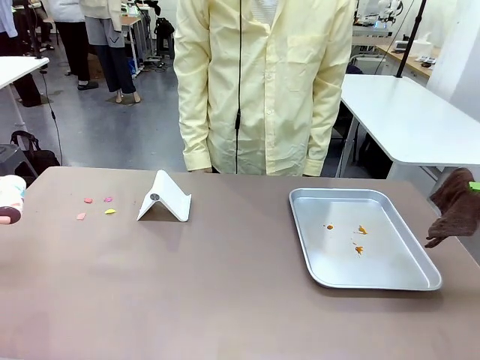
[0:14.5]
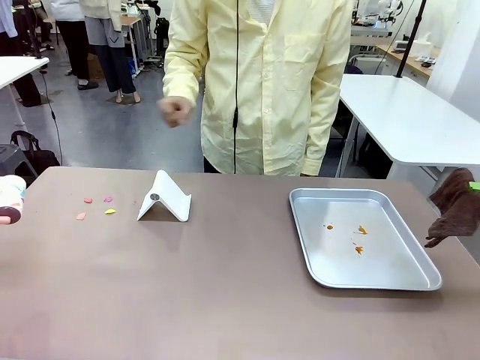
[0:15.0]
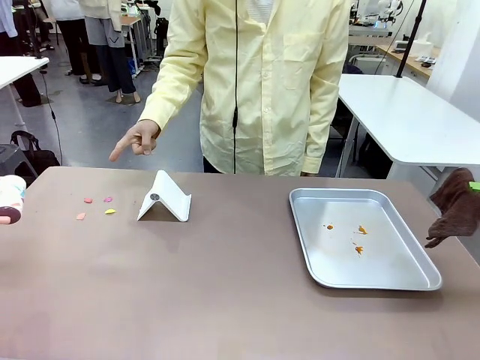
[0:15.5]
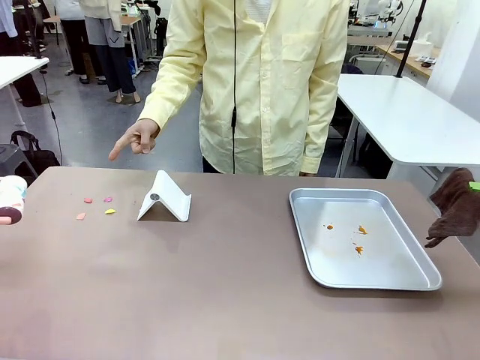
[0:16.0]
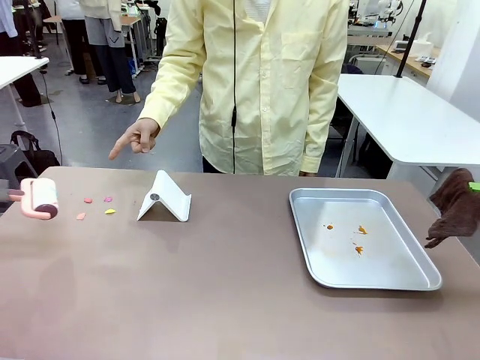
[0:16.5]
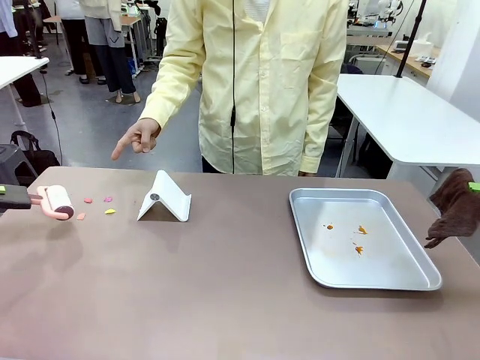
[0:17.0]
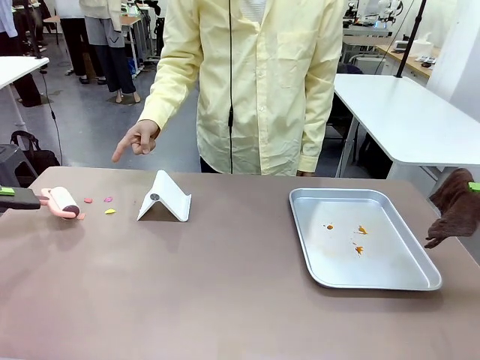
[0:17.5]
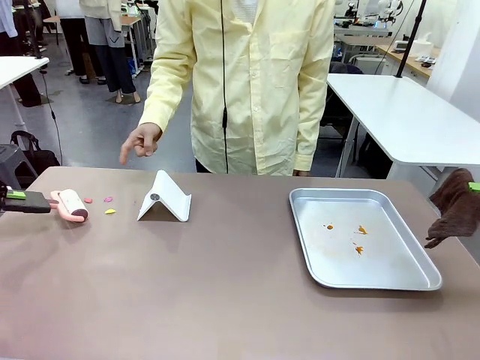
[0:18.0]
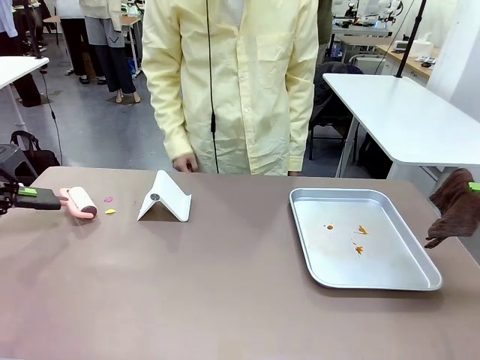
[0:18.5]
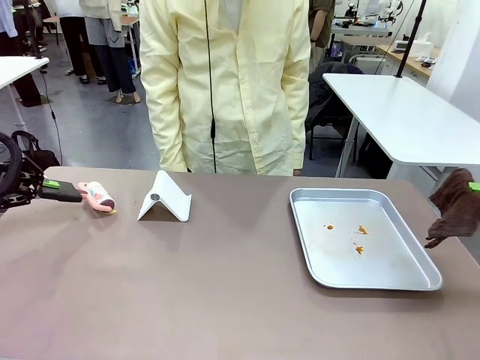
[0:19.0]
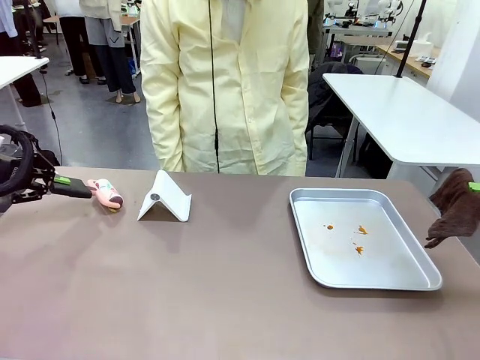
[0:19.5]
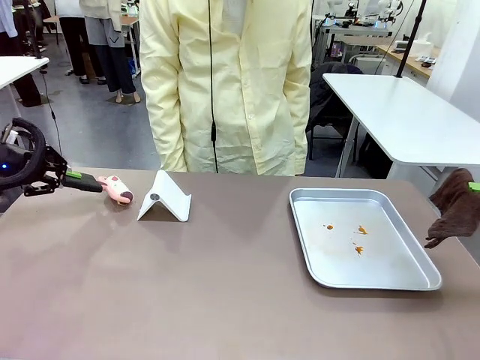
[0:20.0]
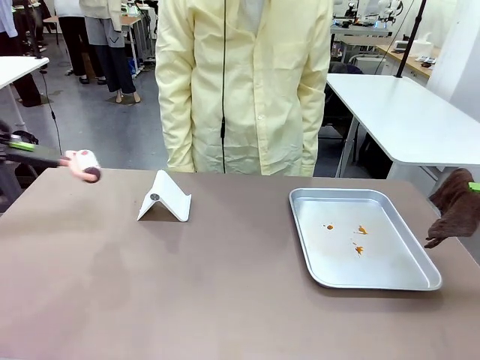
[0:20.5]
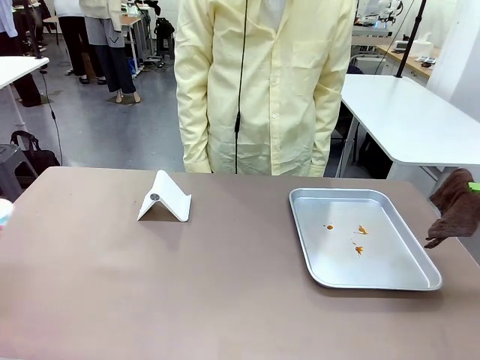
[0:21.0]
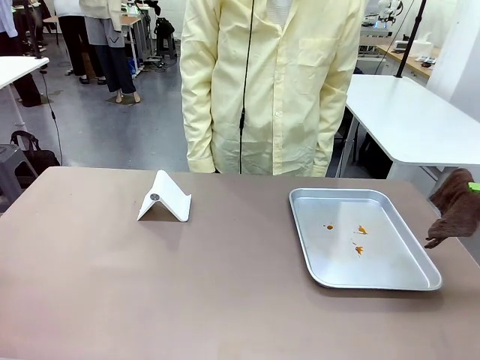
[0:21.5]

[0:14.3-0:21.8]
Task: Clean the surface of the table.
Robot: If a person points to the right, clean the right side of the table with your right hand, and if they point to the left, clean the left side with your left hand.

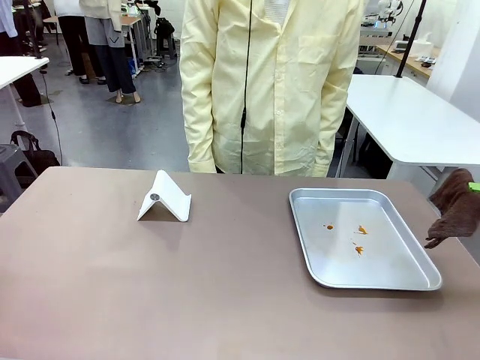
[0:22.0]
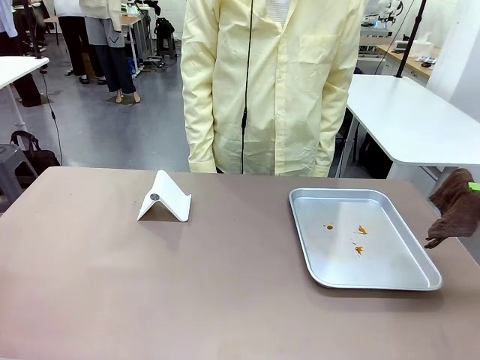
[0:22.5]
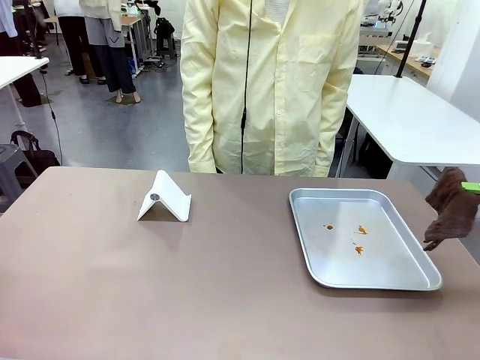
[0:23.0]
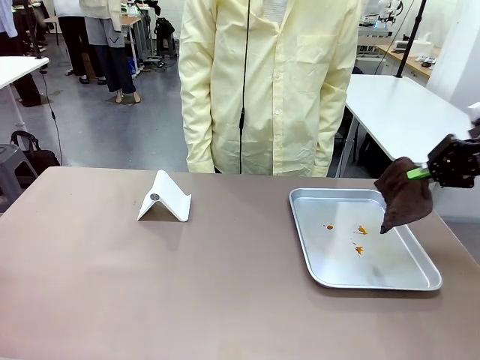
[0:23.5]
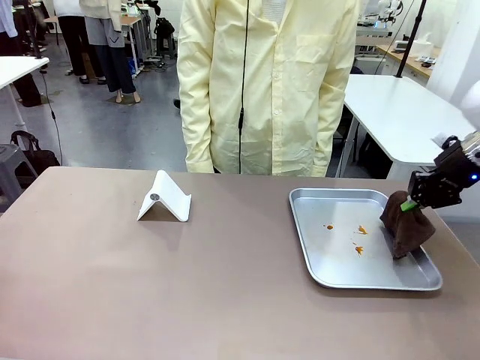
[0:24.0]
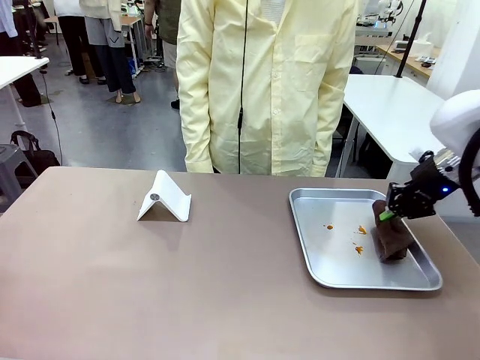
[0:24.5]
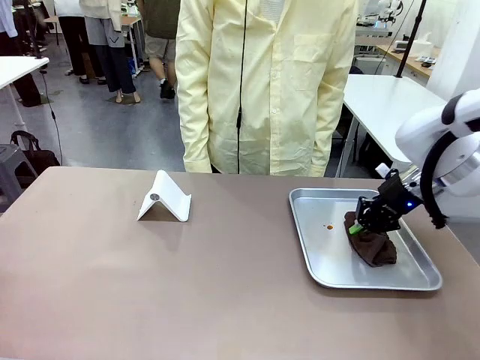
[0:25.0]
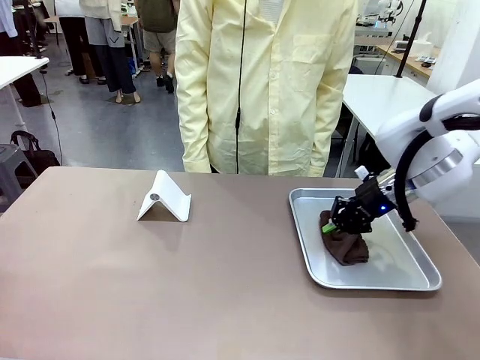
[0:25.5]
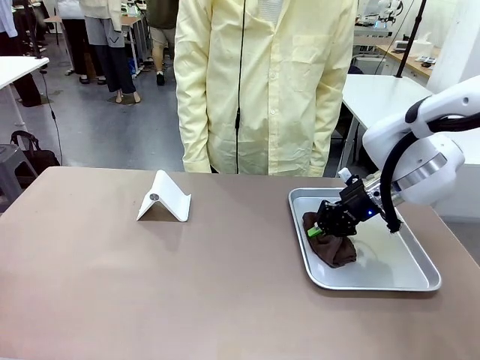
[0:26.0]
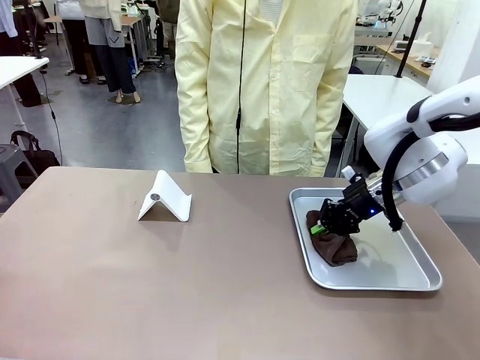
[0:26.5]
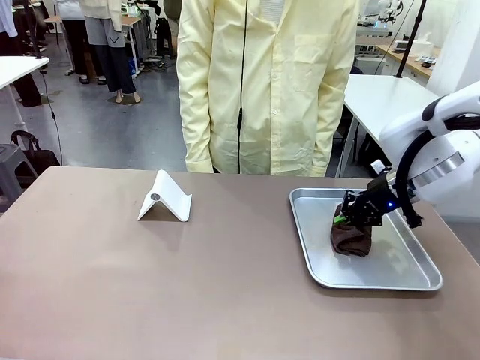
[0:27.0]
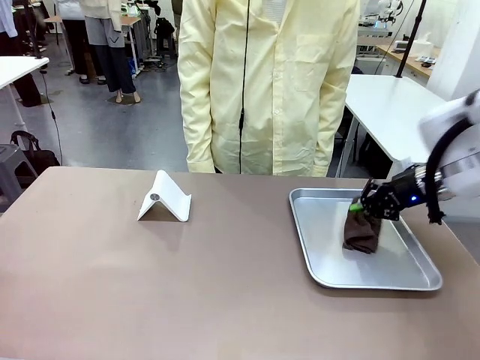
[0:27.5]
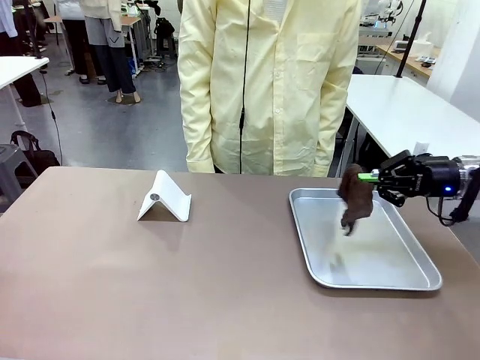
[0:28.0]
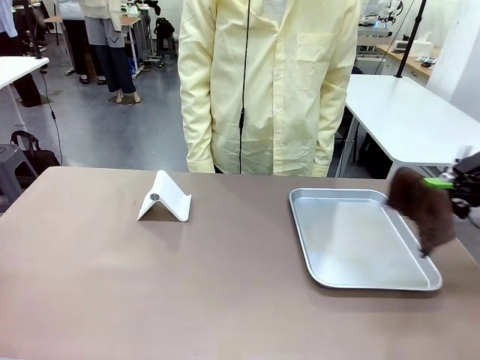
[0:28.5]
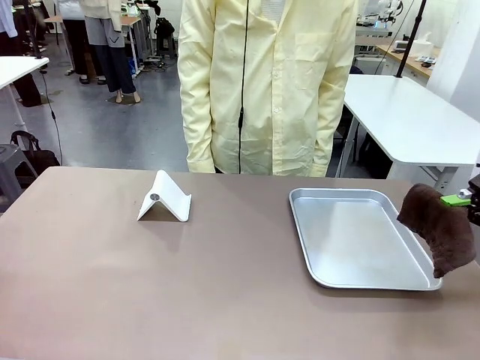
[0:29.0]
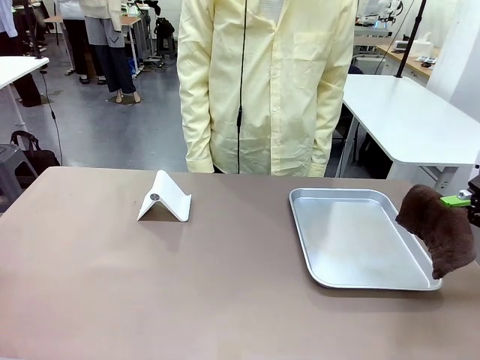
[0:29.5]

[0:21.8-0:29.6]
Robot: Clean the area not pointed to by the person.

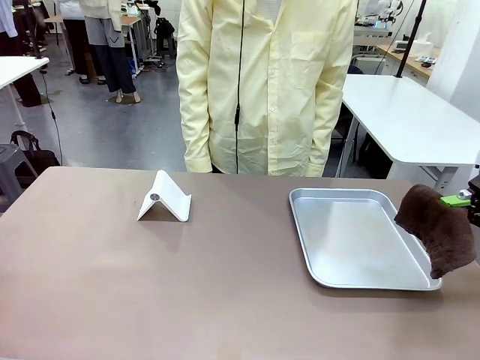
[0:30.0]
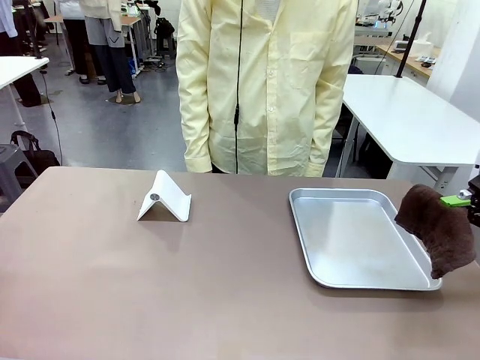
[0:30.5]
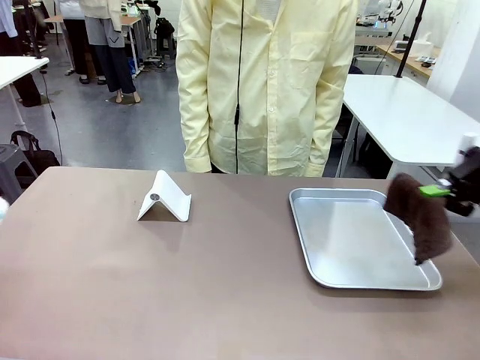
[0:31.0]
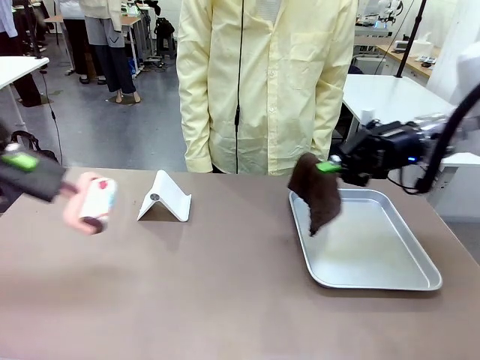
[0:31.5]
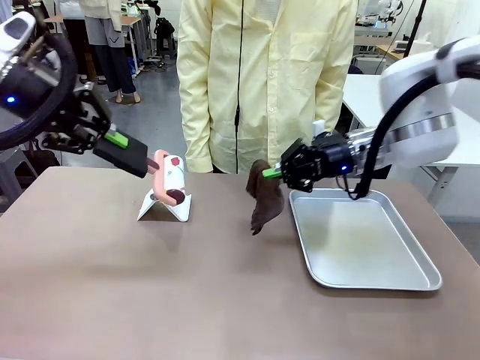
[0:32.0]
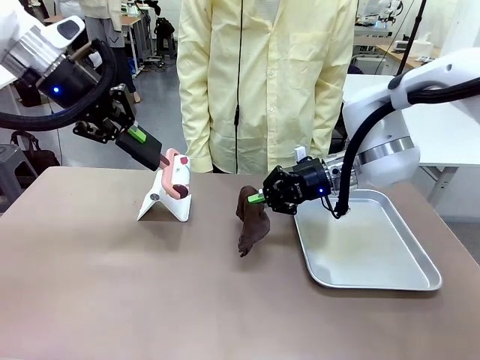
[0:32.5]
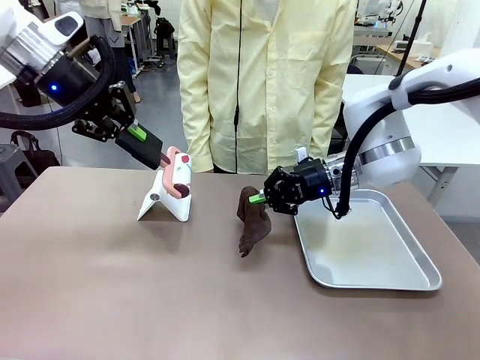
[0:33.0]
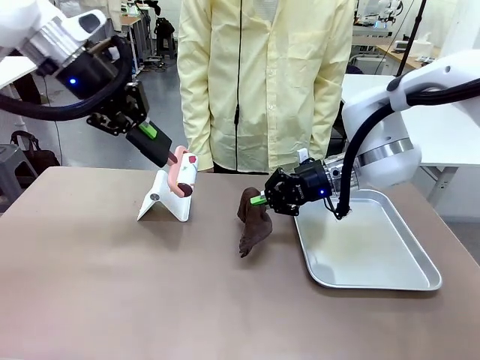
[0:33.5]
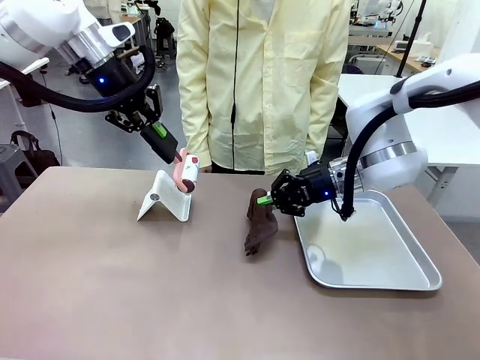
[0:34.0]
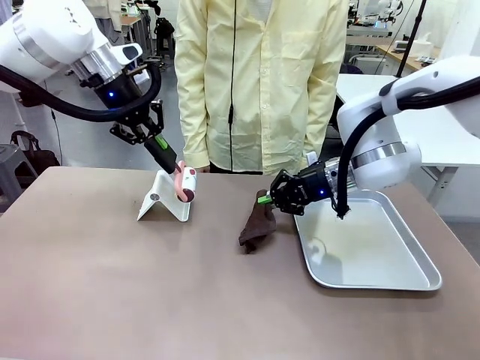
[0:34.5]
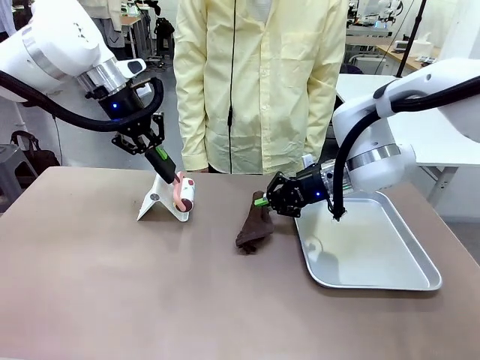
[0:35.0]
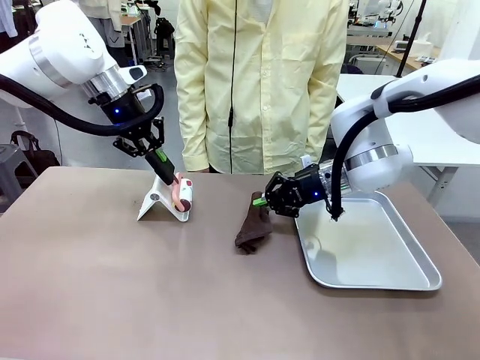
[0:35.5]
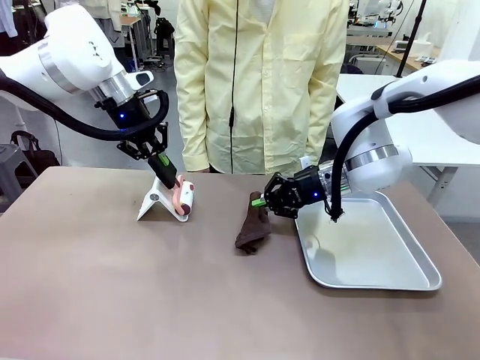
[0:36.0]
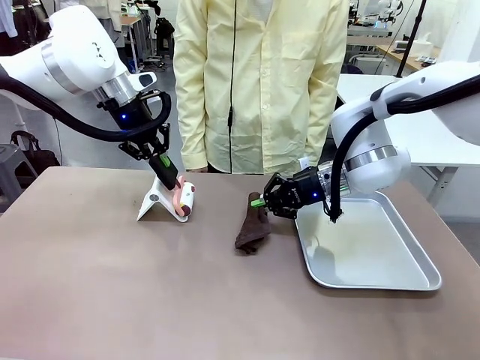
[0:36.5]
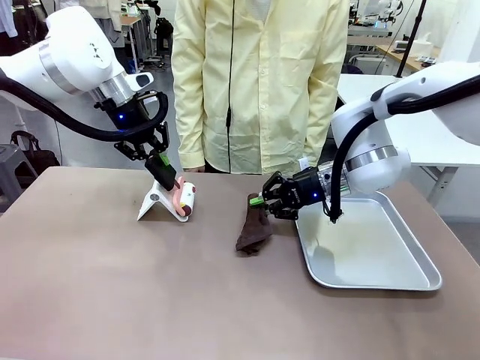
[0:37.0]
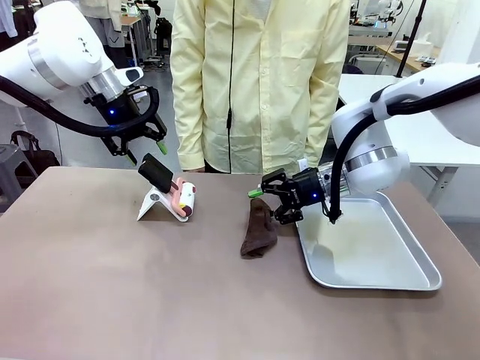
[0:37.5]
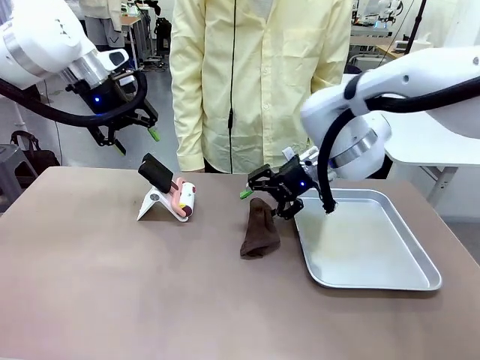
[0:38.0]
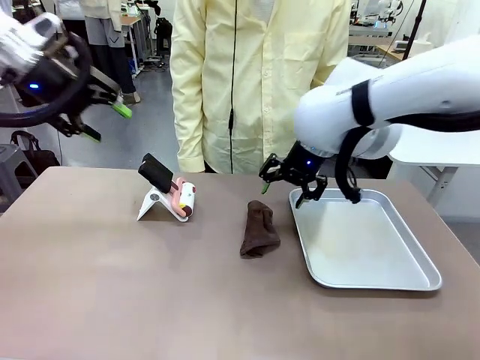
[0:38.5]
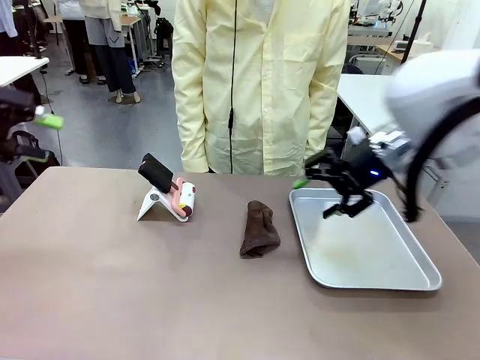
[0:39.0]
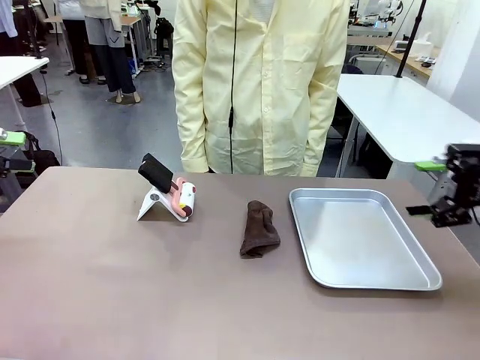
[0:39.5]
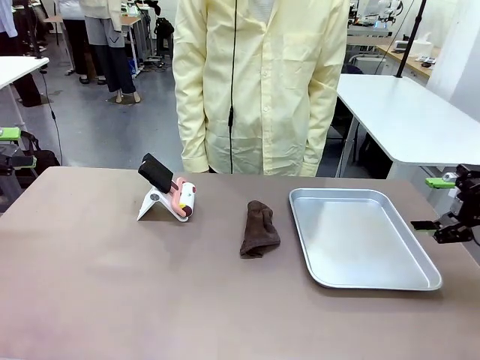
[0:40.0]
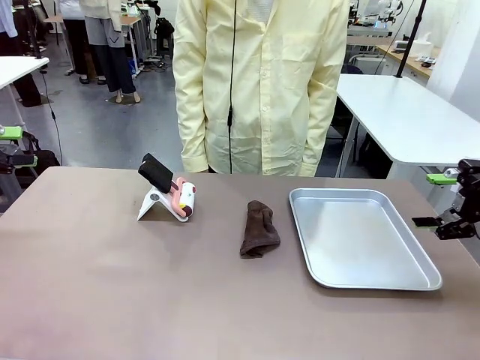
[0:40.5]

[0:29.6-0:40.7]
Robot: Return the Lint Roller and towel to their original positions.
